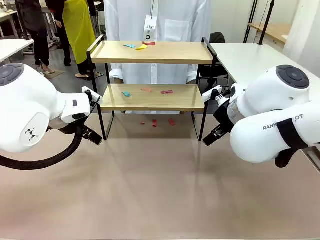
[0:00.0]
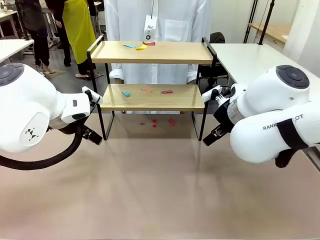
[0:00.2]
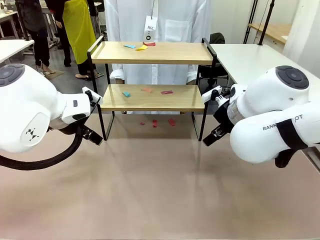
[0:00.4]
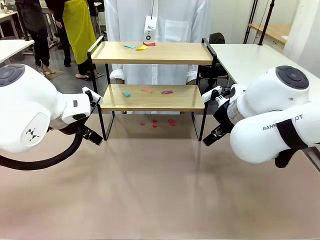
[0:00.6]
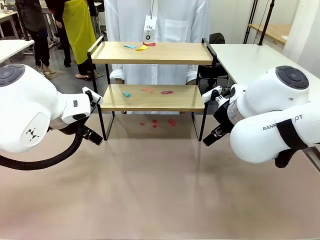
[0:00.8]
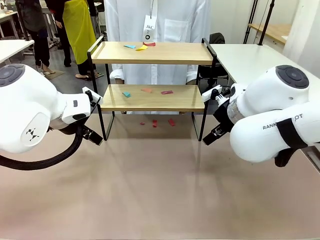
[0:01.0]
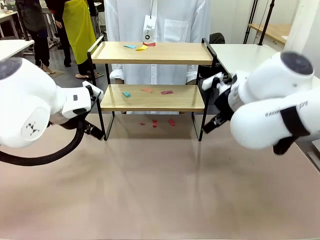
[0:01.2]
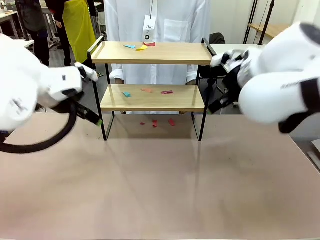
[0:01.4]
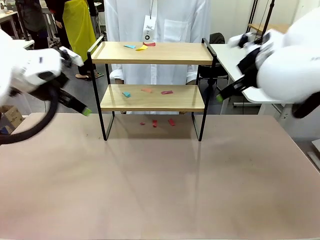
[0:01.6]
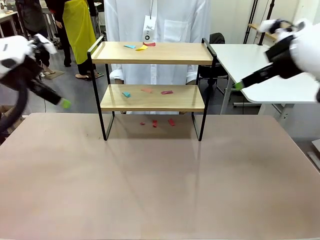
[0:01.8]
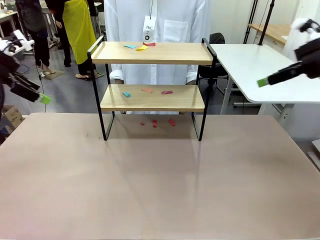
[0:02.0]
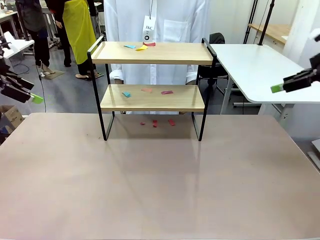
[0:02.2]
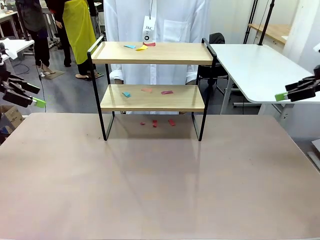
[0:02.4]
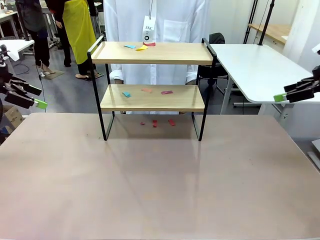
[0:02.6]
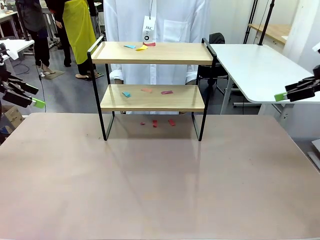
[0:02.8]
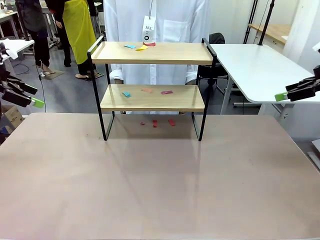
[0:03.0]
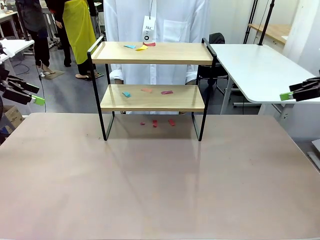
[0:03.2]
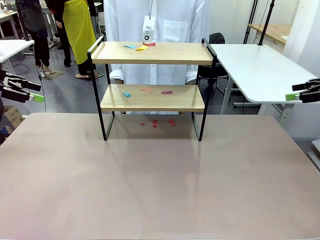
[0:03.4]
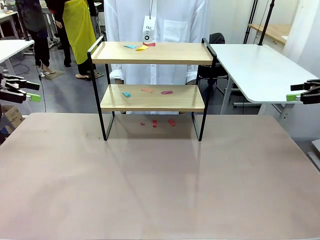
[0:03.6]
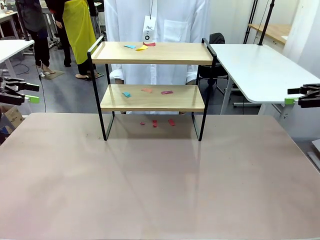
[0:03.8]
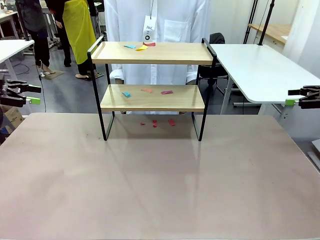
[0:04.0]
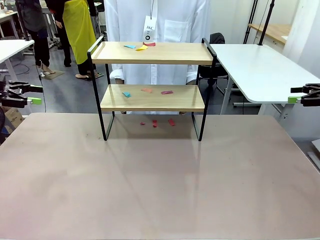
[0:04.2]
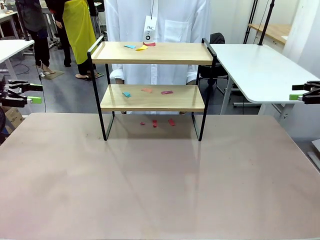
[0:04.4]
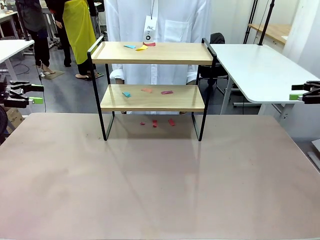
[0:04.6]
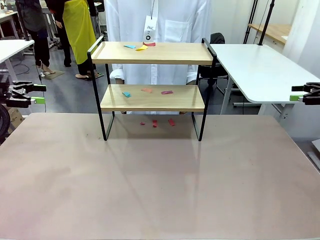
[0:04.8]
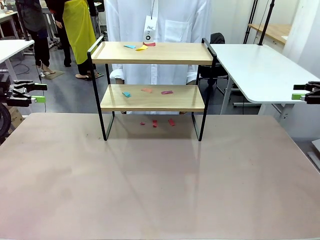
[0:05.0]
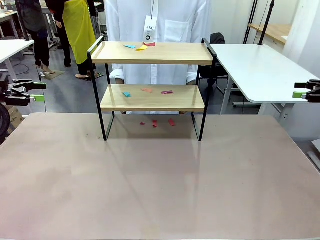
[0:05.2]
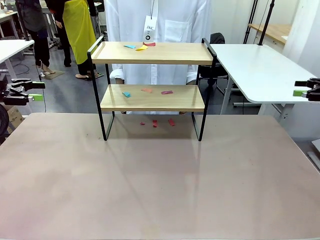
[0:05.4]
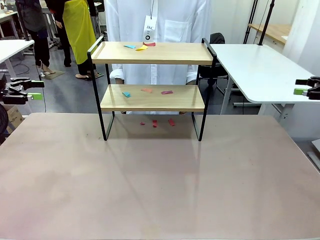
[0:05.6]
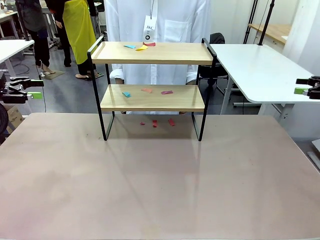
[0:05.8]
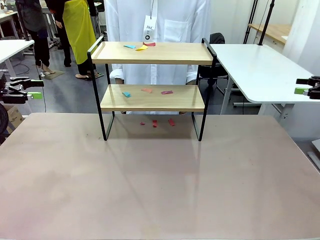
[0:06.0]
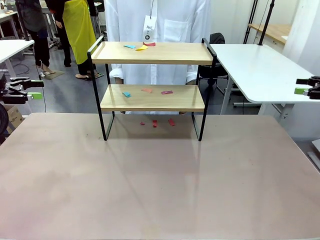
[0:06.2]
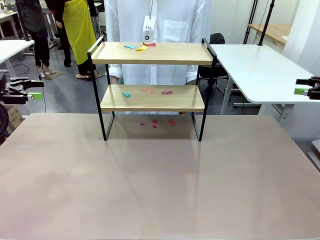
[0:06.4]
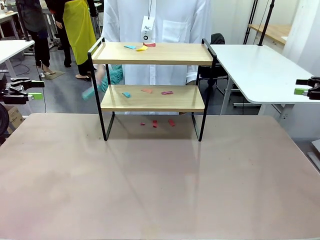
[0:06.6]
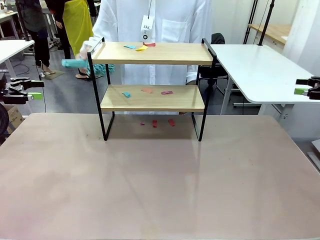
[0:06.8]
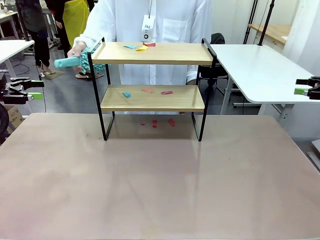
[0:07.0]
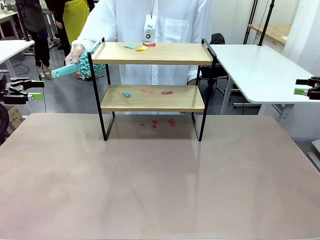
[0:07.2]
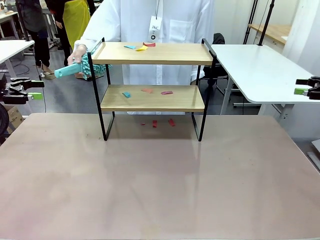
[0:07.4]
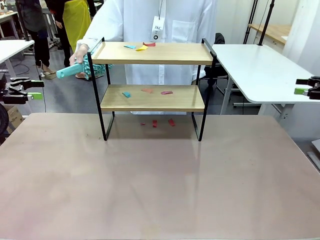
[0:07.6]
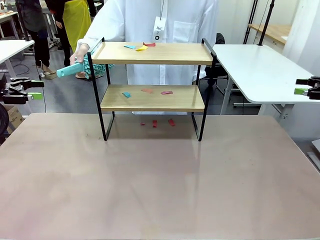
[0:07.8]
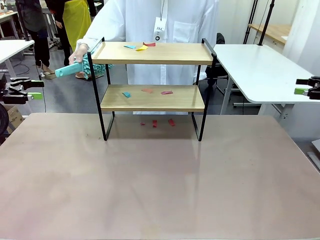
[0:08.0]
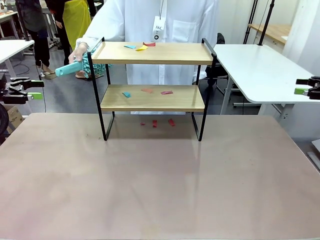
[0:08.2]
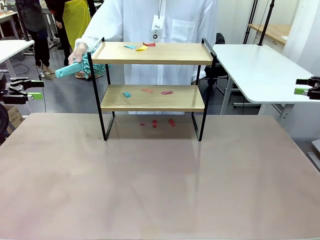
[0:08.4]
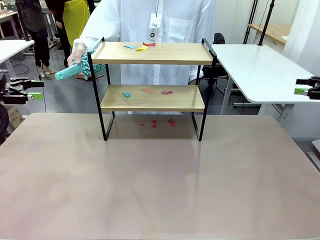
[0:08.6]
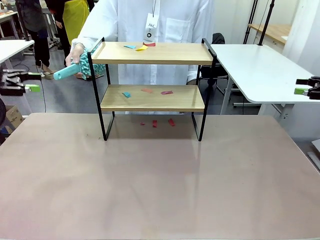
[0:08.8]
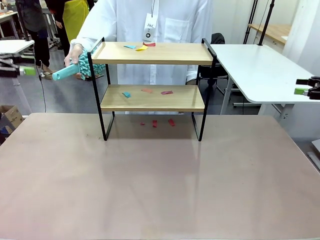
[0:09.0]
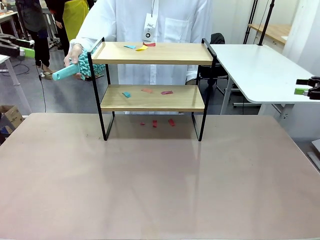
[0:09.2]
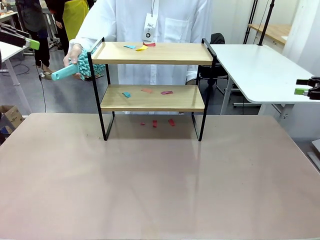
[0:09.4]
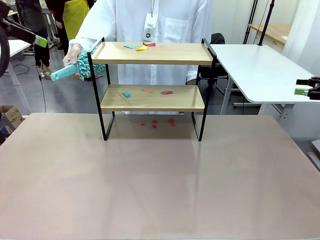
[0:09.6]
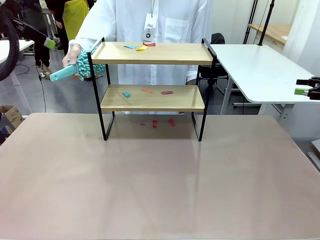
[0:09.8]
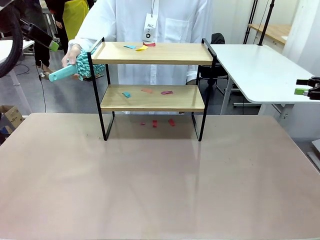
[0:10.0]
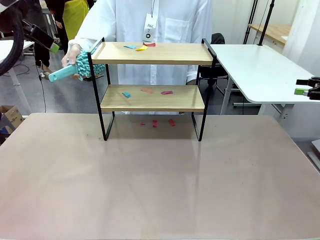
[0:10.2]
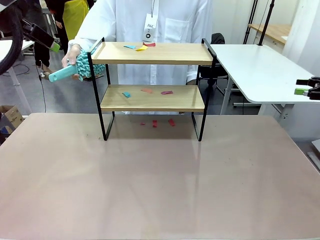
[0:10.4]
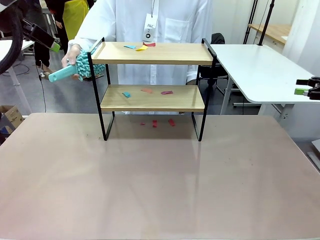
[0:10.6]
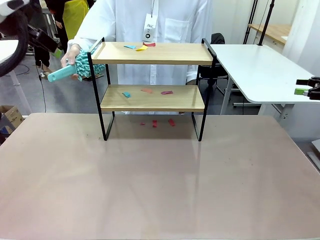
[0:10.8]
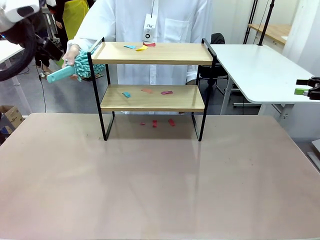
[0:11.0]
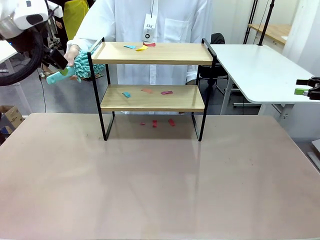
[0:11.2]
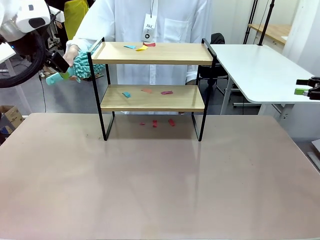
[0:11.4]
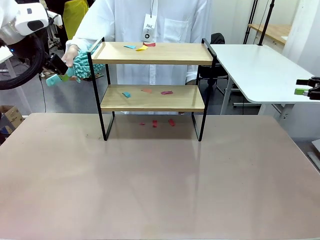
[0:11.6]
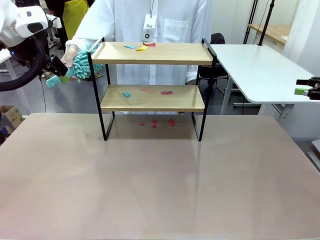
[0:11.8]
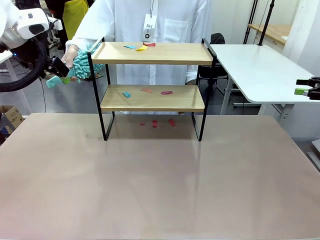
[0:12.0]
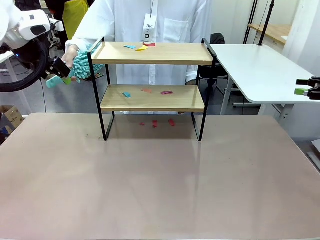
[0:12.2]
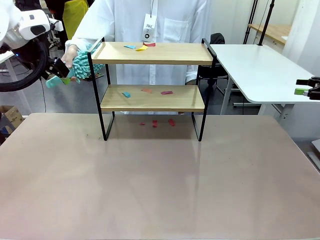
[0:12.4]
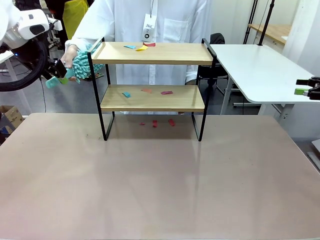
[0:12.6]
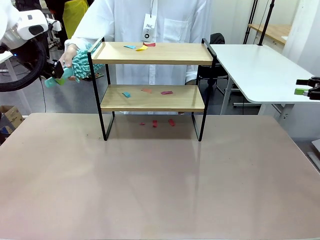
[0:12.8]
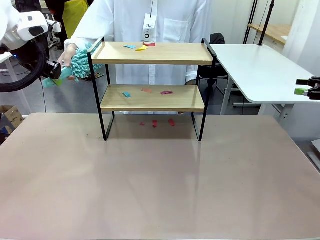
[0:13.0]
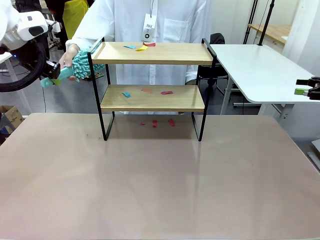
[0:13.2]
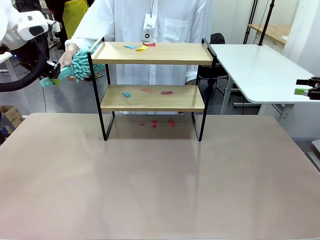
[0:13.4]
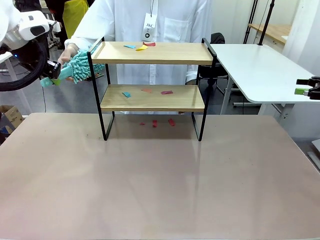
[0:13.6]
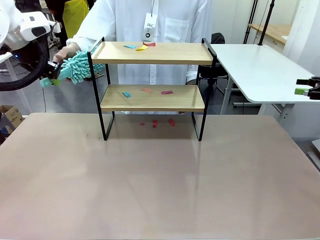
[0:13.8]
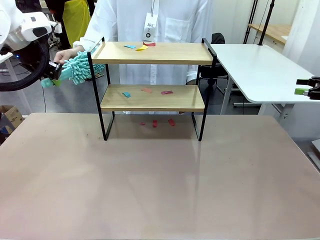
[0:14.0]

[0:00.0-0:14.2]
Task: Clean the shelf.
Robot: Pick up the Duster handed by the human.
Person: Hand the Duster to the robot.
